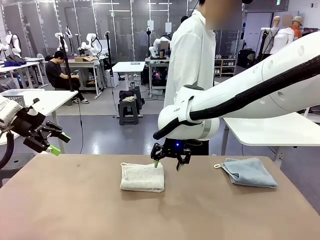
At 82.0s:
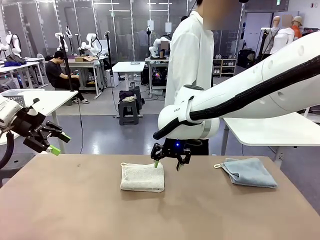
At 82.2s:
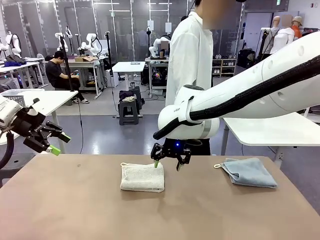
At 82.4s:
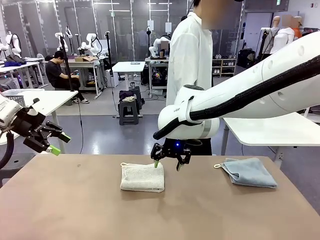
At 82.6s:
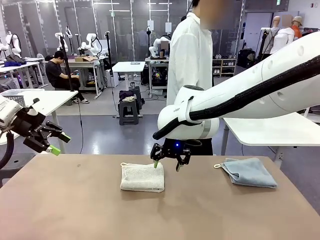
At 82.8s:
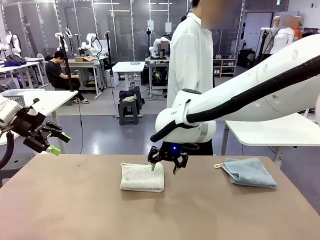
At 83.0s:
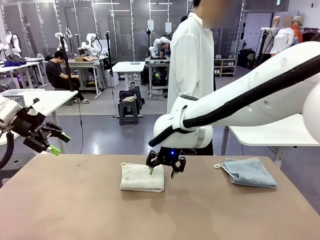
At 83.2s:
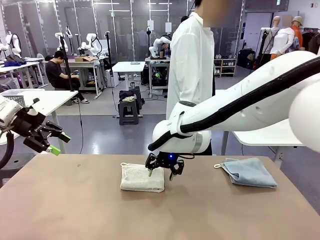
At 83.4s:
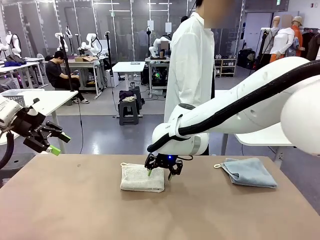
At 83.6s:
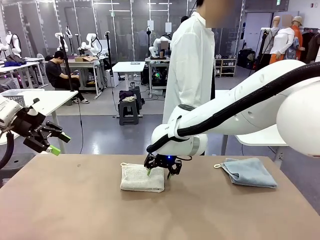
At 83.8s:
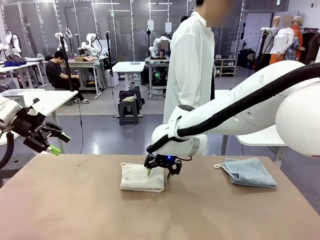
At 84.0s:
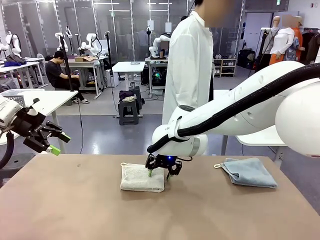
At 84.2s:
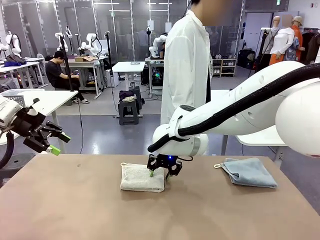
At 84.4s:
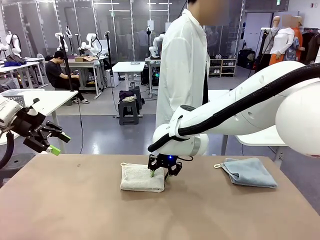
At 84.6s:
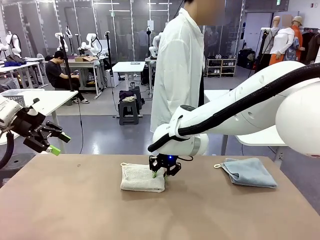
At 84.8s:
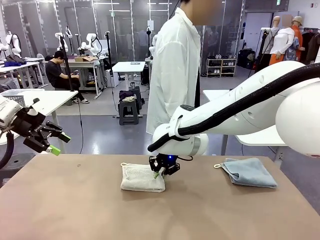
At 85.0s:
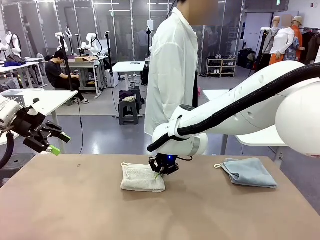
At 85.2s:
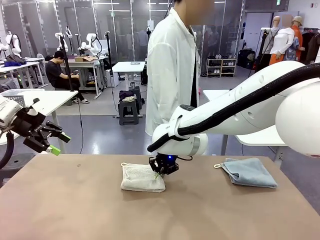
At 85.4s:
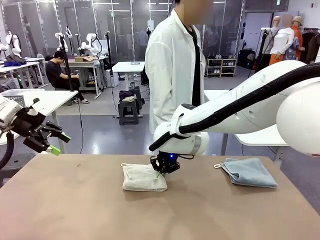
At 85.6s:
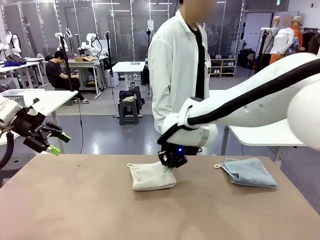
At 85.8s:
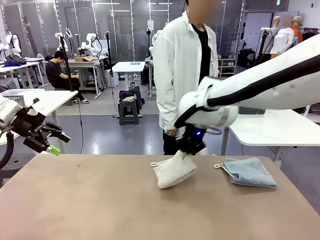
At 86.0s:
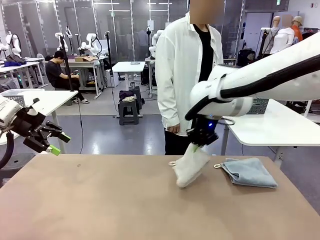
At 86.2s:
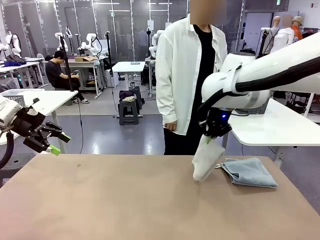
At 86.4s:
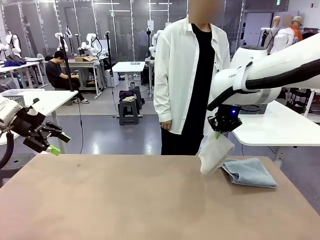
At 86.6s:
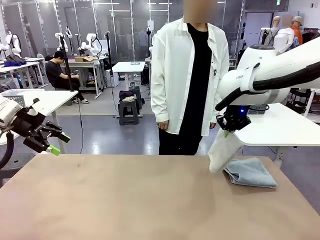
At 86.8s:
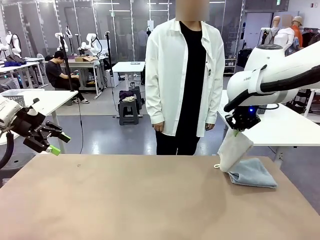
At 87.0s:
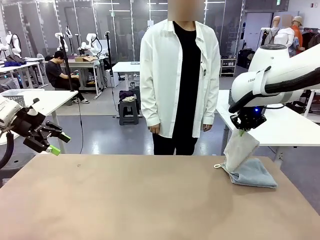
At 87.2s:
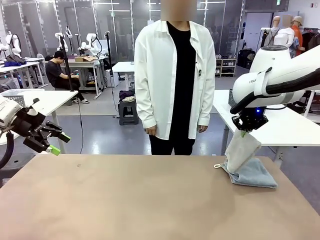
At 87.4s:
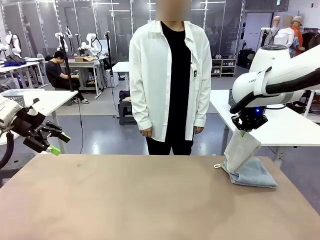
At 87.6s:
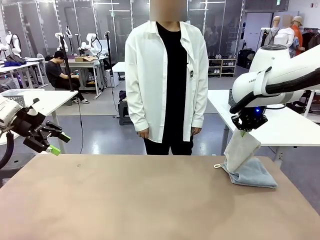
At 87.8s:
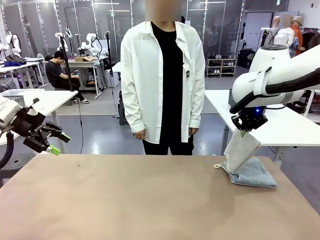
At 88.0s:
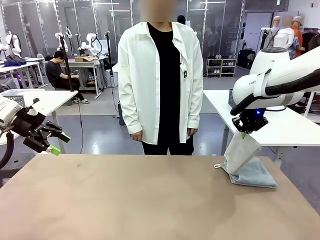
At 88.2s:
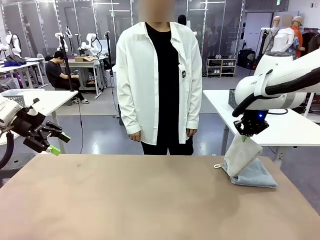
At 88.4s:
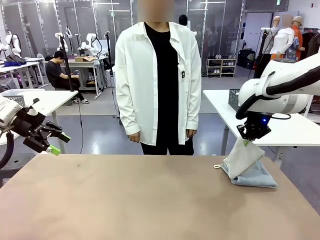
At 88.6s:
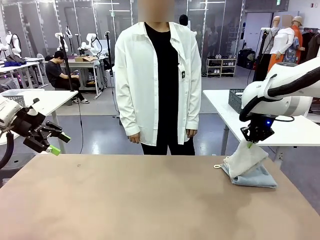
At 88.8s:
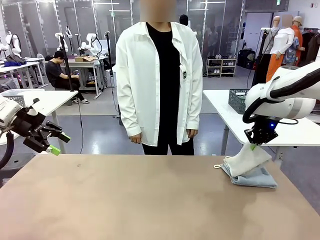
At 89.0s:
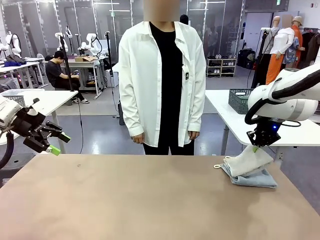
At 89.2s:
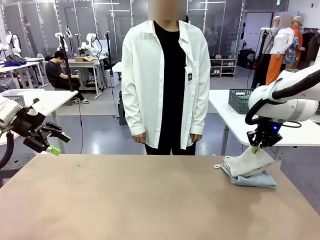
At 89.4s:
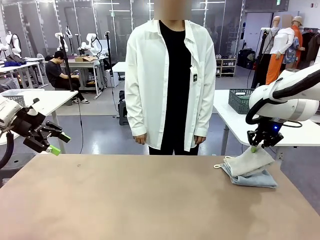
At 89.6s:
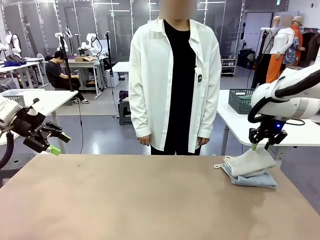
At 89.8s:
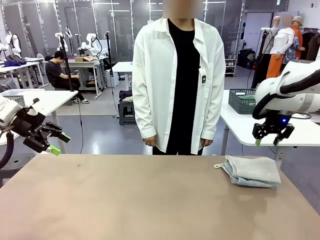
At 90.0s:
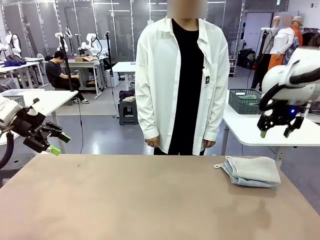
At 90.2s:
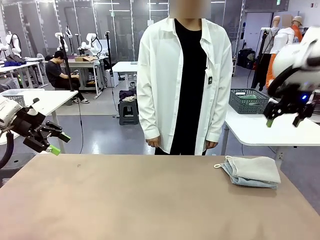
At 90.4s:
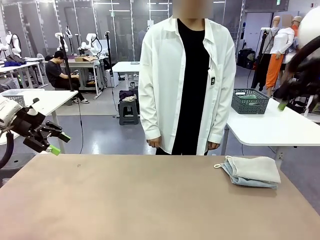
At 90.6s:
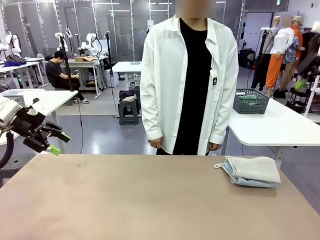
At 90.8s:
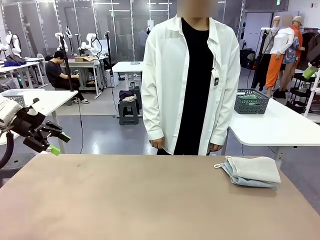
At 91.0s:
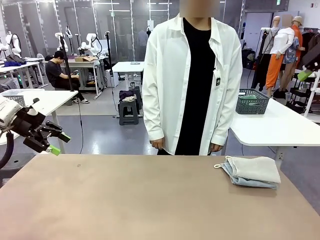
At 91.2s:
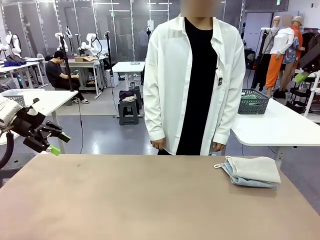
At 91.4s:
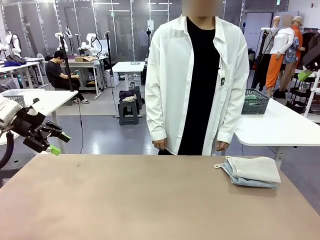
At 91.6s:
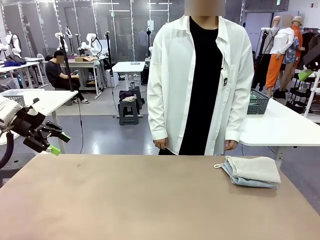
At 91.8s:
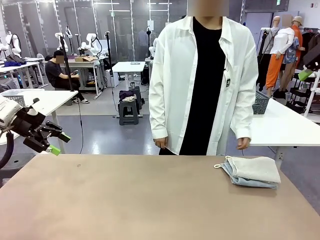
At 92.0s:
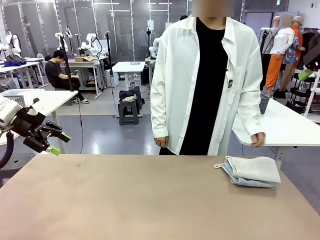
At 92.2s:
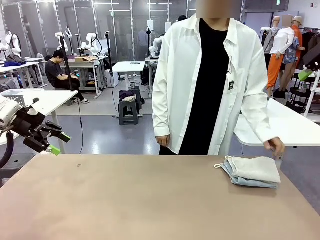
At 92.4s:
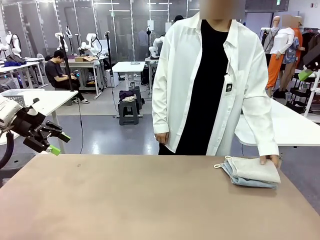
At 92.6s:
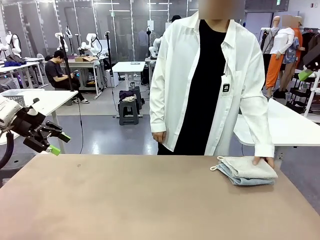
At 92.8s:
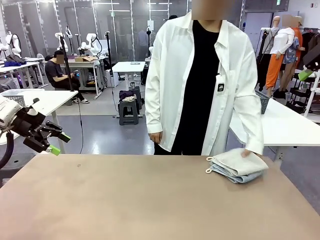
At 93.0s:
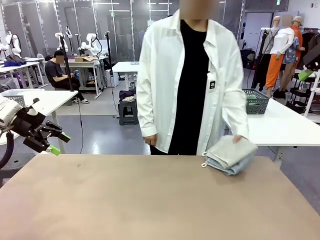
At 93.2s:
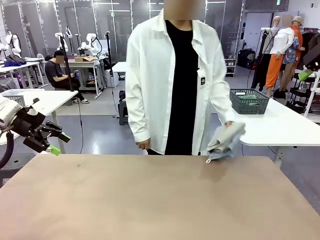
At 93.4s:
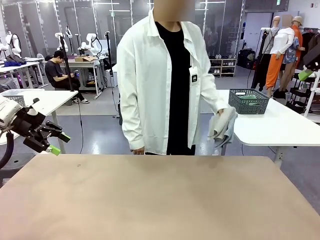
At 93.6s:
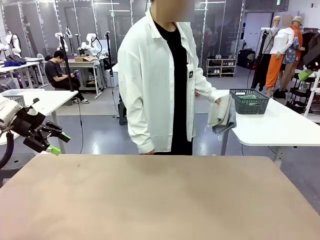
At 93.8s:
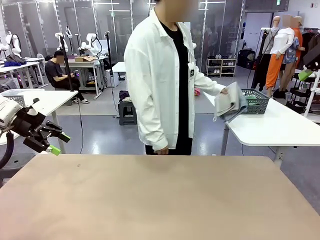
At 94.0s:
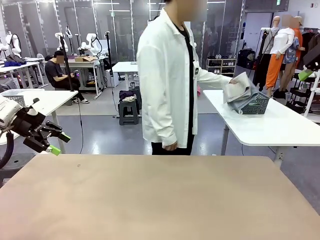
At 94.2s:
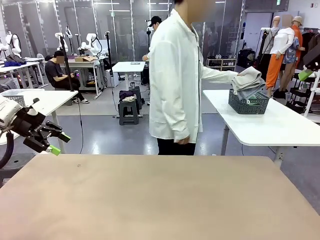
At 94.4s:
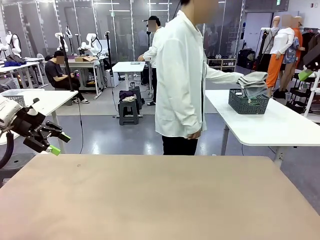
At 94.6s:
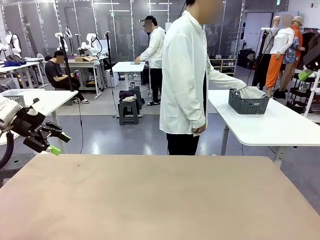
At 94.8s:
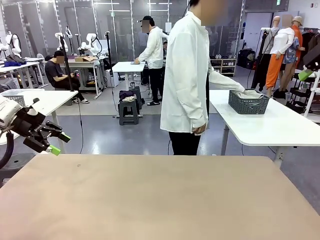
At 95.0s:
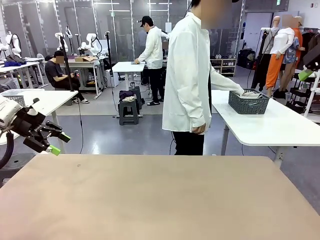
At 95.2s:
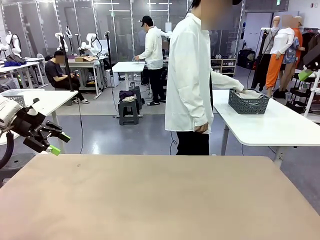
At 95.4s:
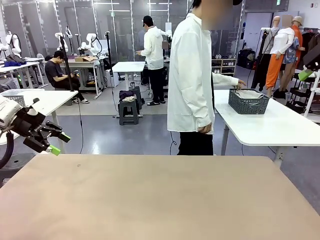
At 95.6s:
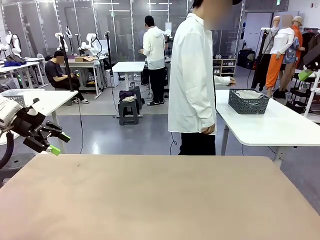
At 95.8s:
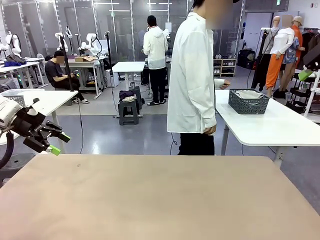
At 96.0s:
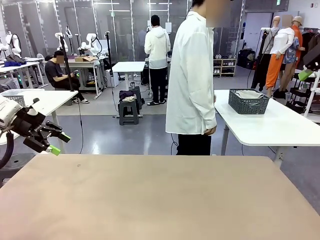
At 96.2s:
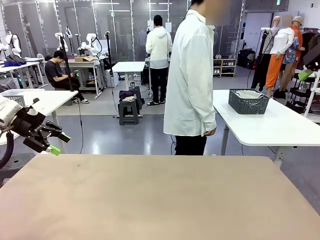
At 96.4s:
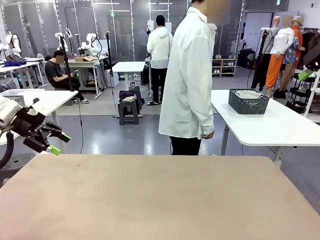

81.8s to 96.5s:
Task: Fold the towels and place them in the basket.
Robot: Stack the folded Towel with hook on the right side of the table.
Person: Pick up the stack of towels from the robot table and place it into the basket.
